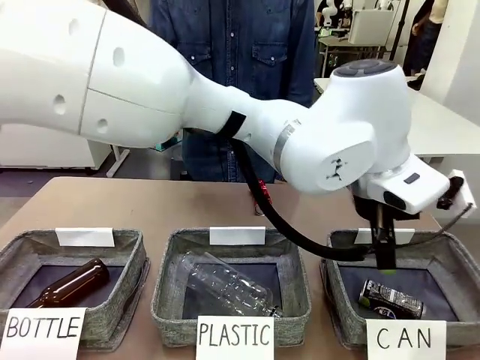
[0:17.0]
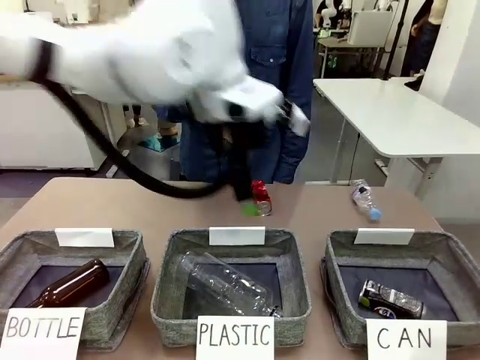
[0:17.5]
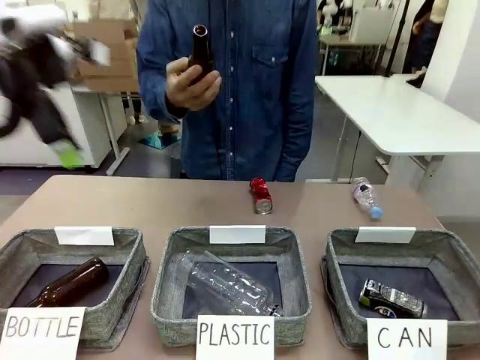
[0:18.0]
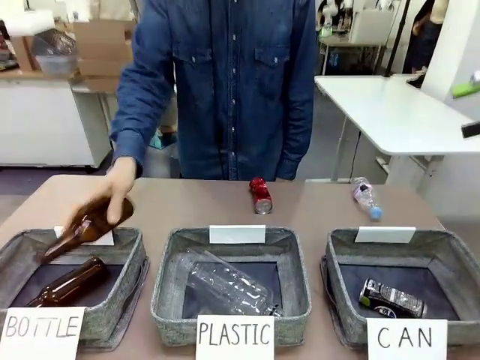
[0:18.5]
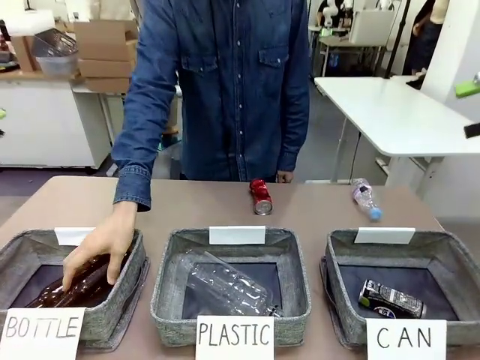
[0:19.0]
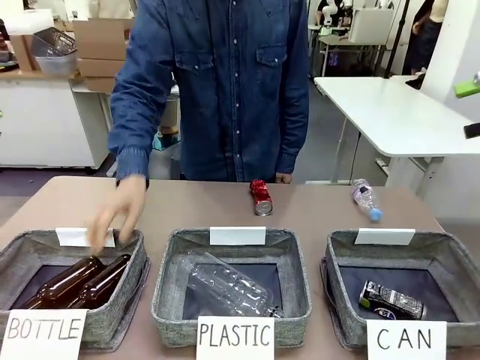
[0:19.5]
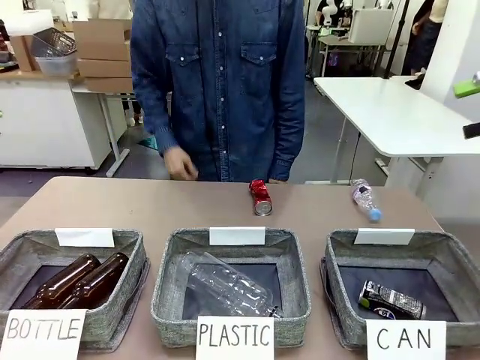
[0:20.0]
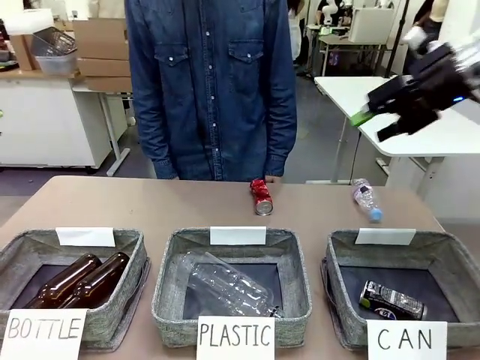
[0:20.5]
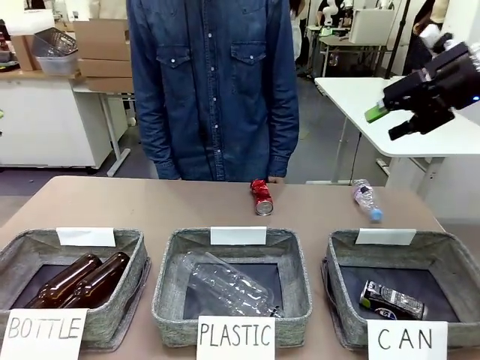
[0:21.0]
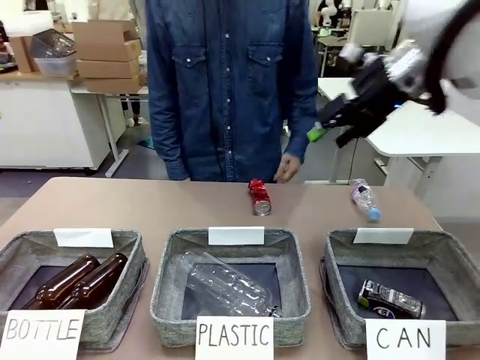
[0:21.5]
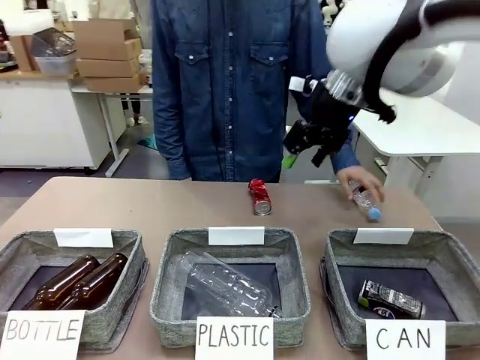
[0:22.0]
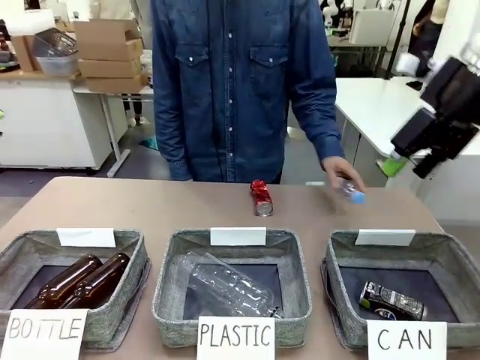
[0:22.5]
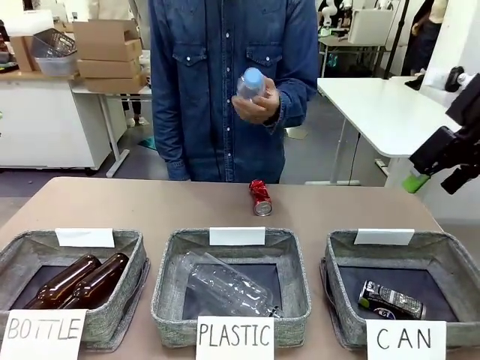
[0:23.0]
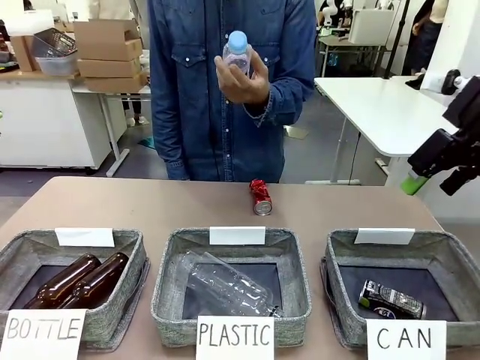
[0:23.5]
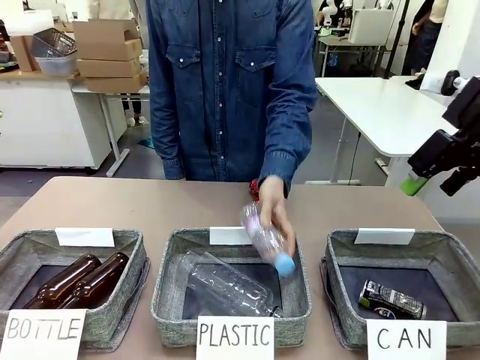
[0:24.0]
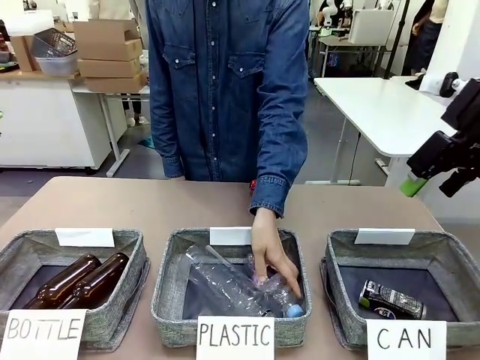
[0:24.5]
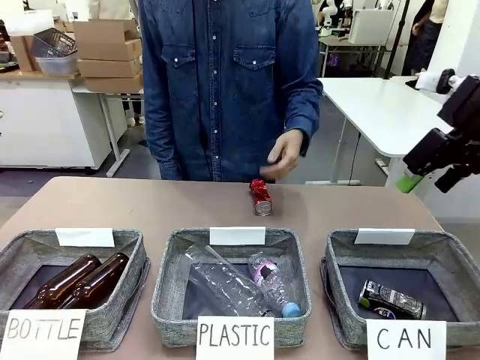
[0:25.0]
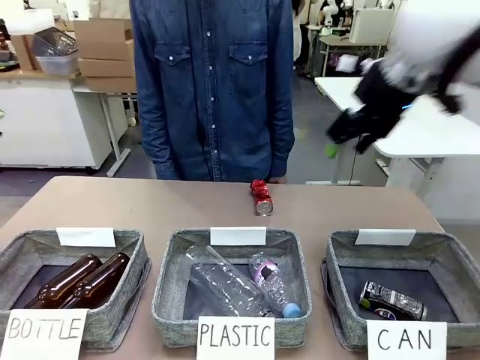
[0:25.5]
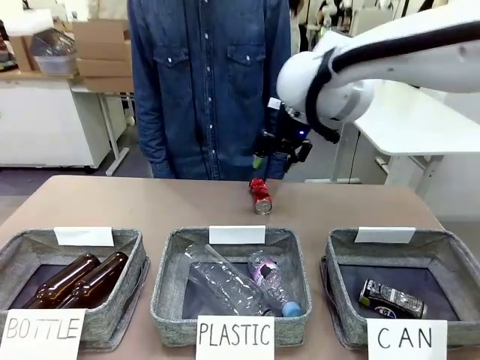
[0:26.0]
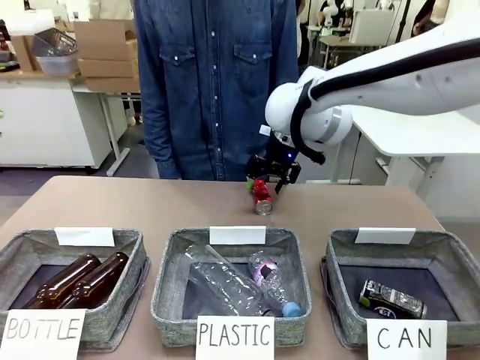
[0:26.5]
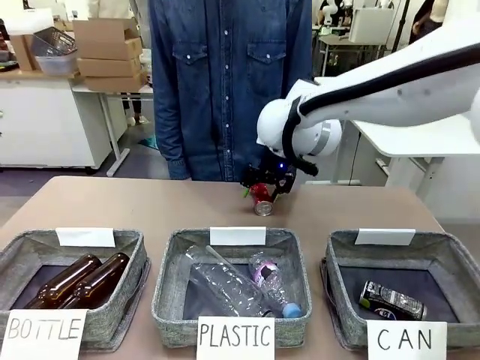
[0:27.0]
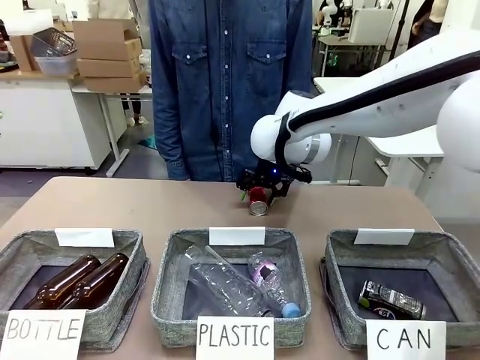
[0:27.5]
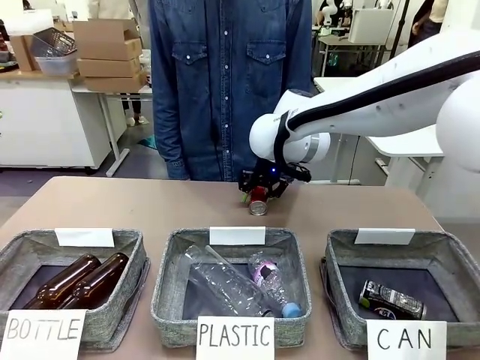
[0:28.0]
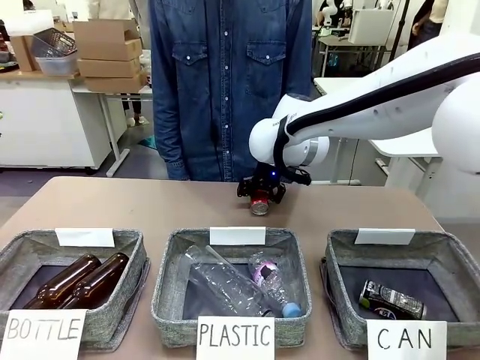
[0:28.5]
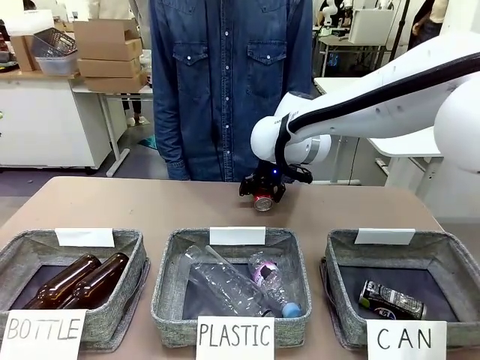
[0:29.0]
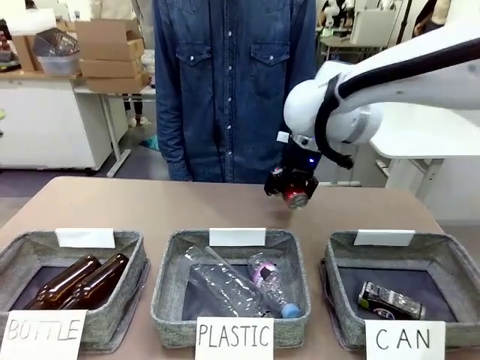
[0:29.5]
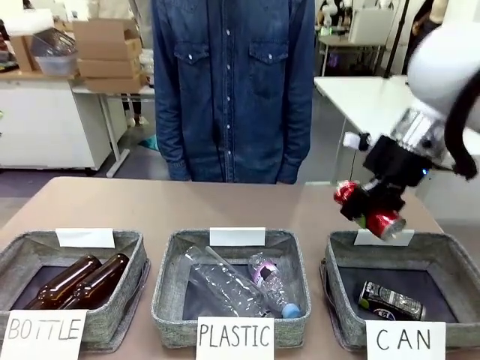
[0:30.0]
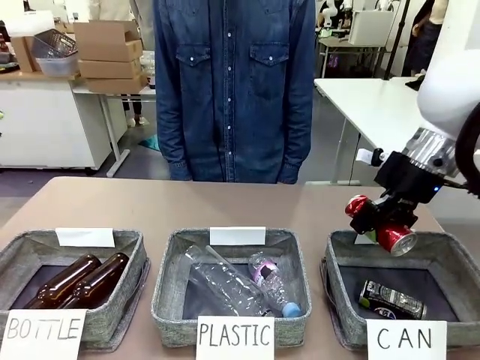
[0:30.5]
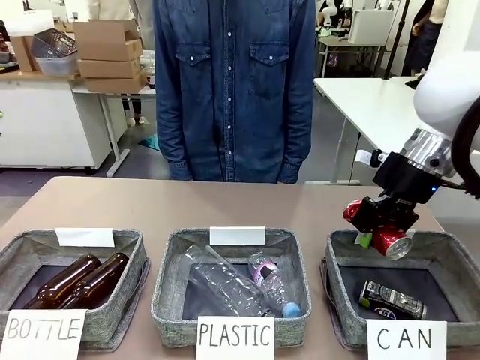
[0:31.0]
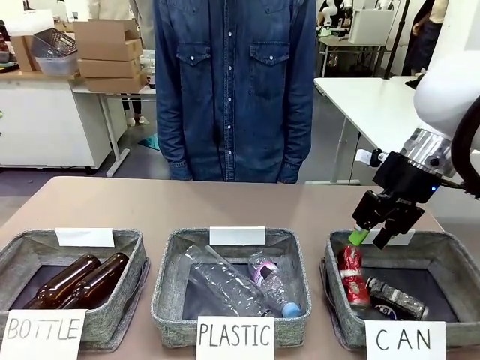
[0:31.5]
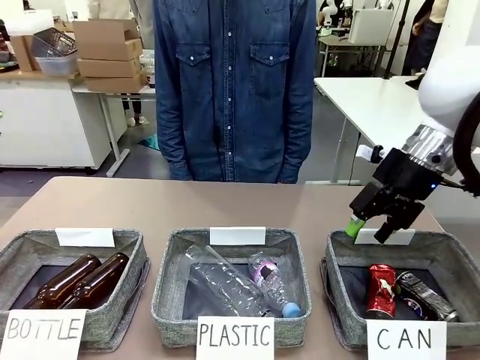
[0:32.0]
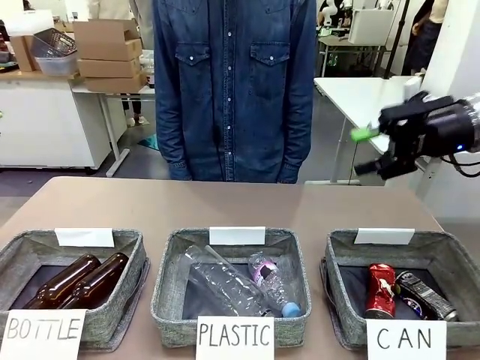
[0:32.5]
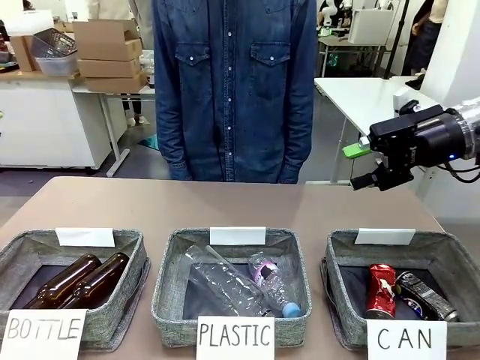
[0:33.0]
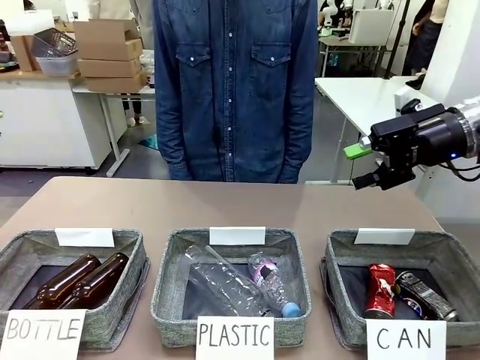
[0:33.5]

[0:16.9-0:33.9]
Task: Sort the can waste into the basket.
Robot: Pick up the can waste from the table and place it in the right Fabric basket.
Person: The human picks up one piece of trash that is not a can and places the trash into the appropriate organizing basket.
